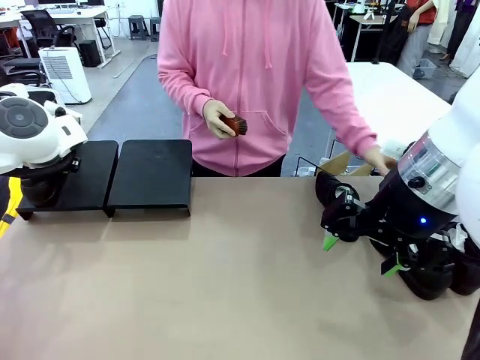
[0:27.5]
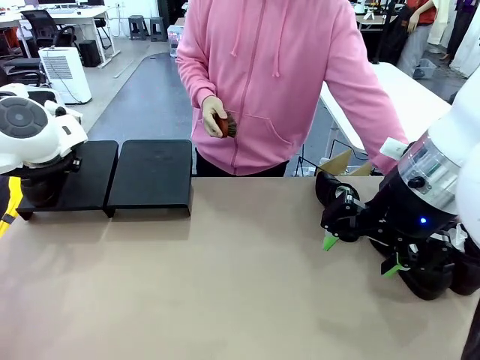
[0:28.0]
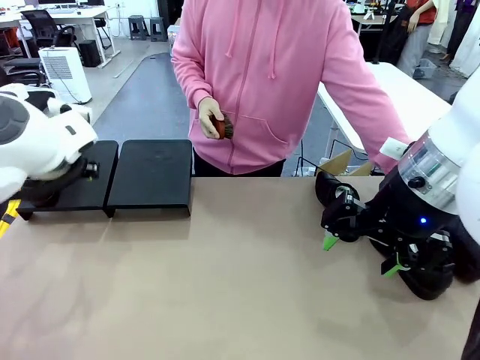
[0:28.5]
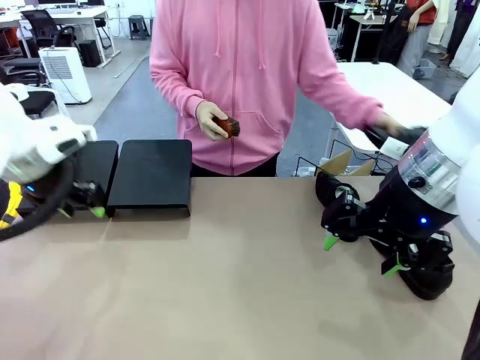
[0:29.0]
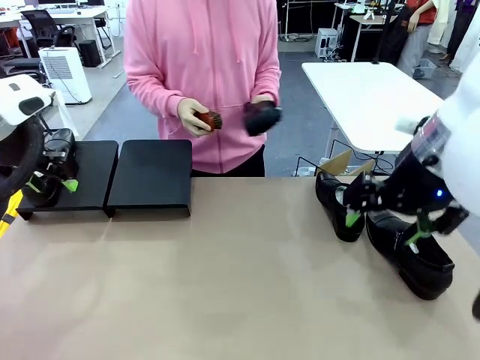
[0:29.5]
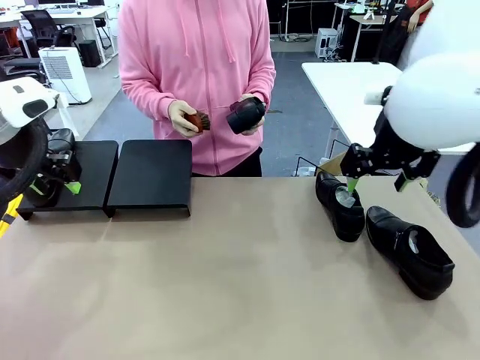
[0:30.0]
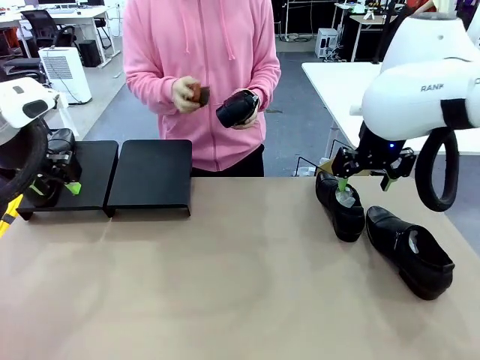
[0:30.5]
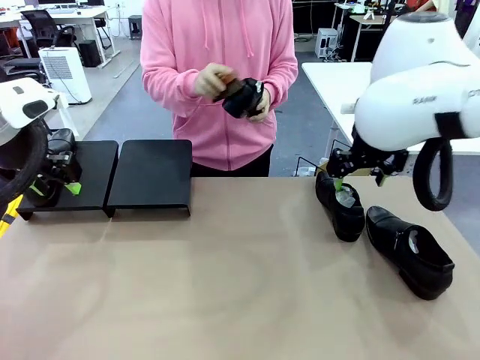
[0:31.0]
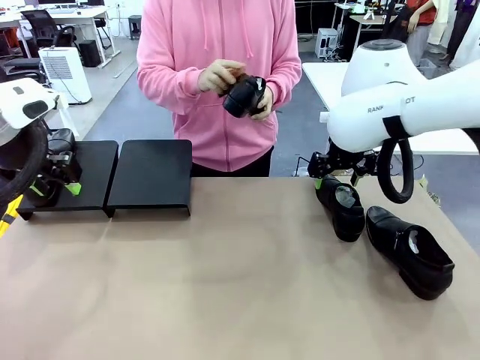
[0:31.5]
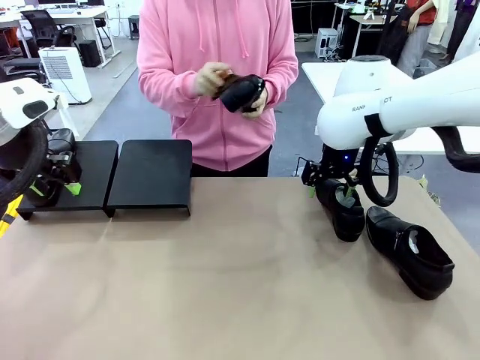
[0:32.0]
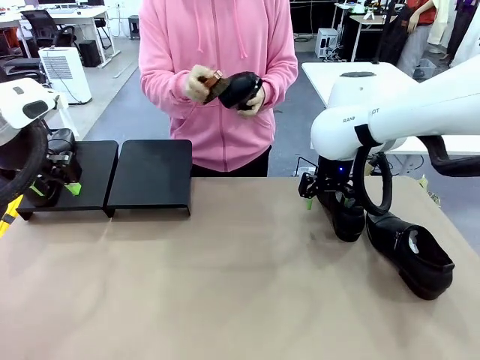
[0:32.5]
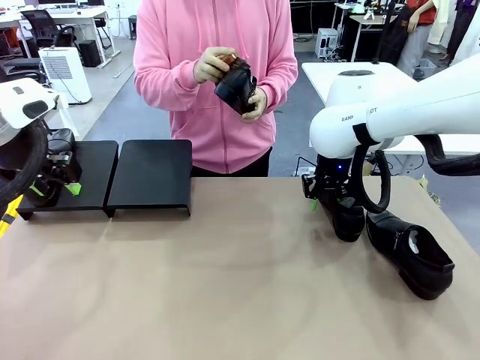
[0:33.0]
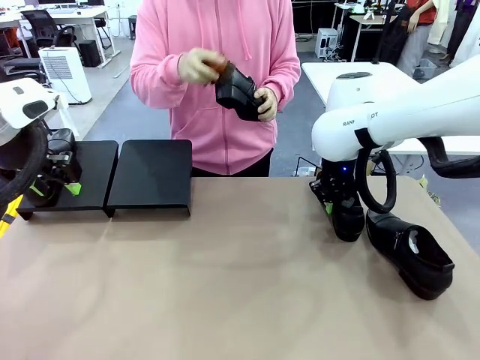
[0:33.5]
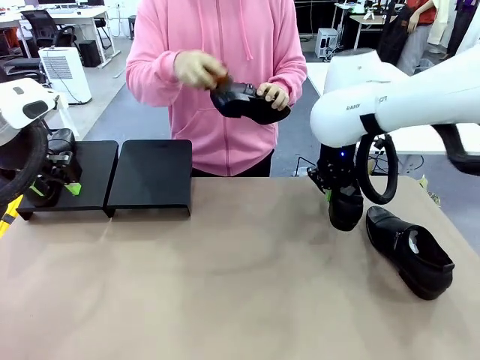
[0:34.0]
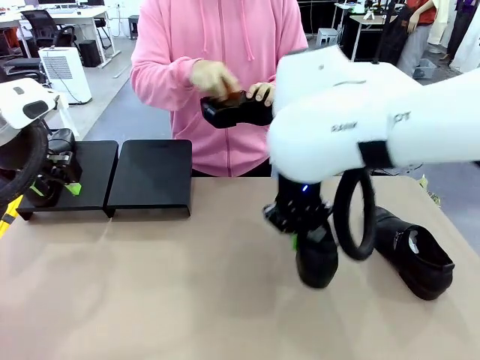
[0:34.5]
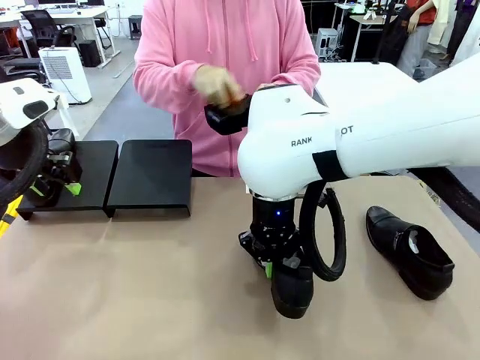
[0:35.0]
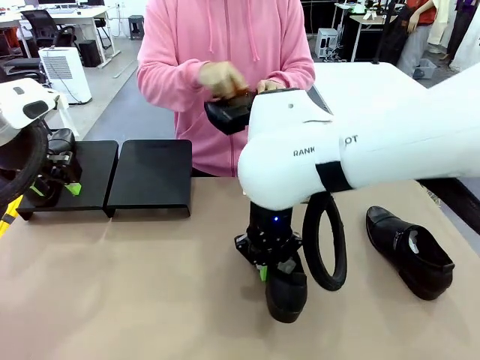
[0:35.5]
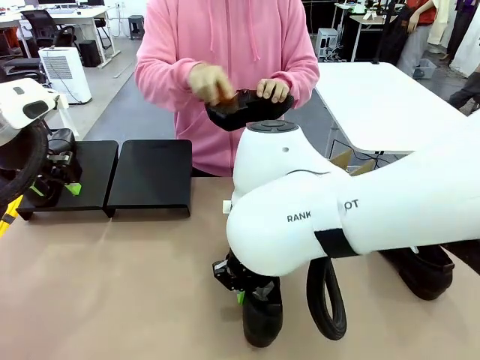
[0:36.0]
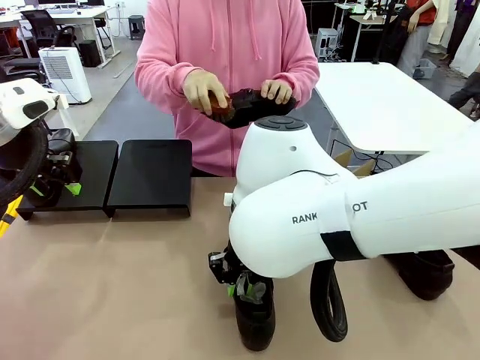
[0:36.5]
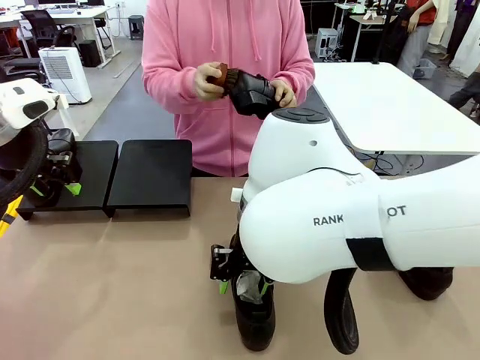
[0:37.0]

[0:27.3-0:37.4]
Task: Organize the shoes by placing them on the stand.
Robot: Pick up one Shoe and place it in the middle of the table.
Person: Pick one Shoe on Robot's table.

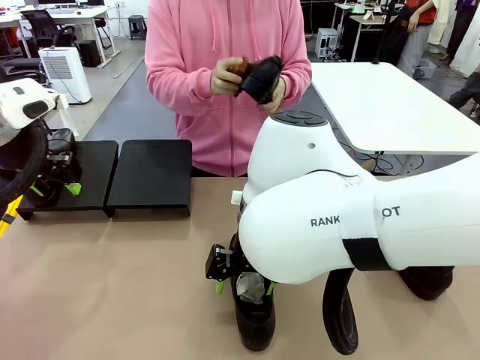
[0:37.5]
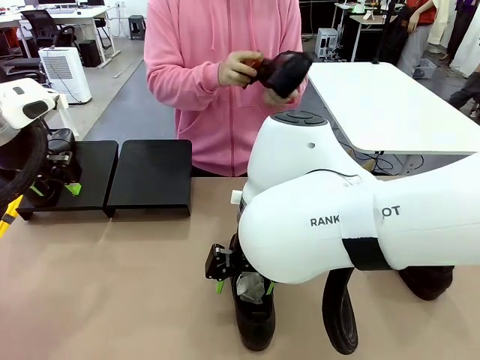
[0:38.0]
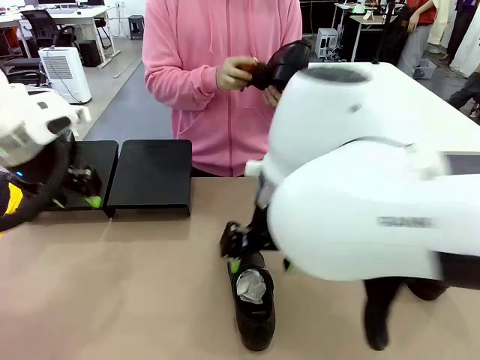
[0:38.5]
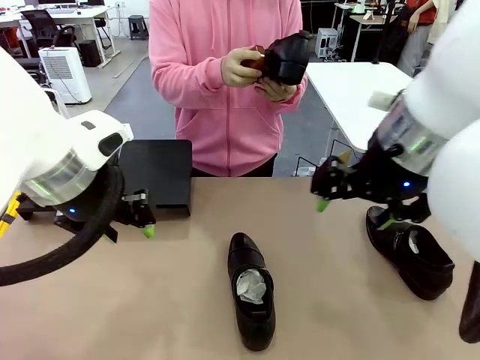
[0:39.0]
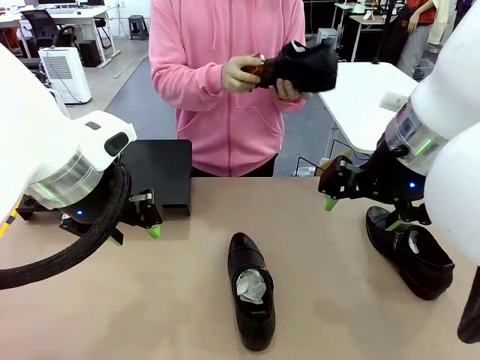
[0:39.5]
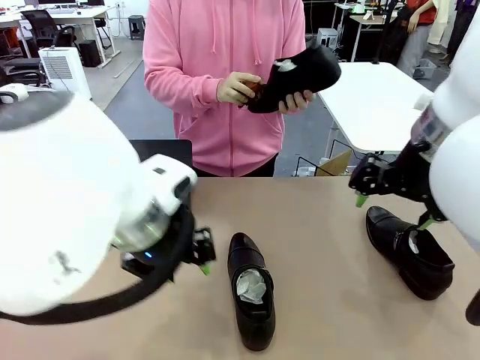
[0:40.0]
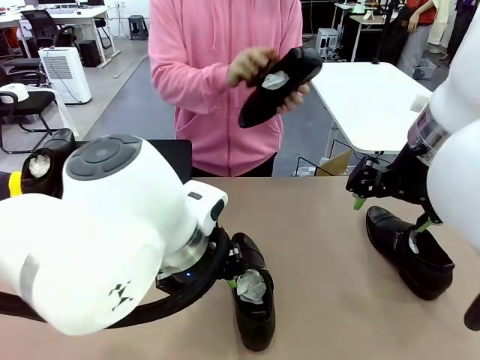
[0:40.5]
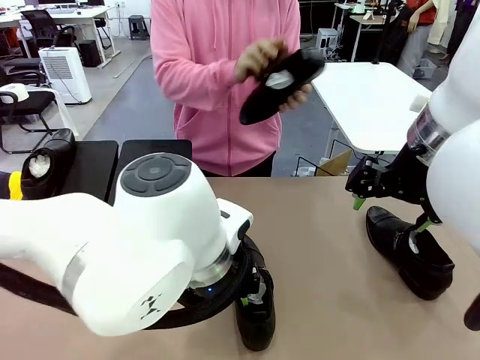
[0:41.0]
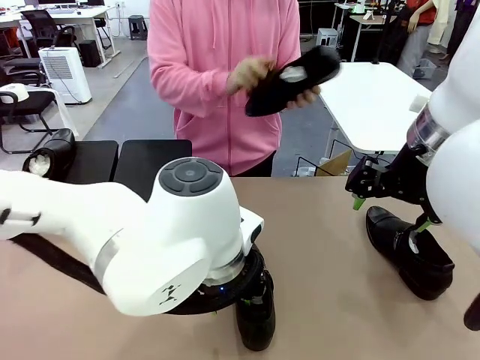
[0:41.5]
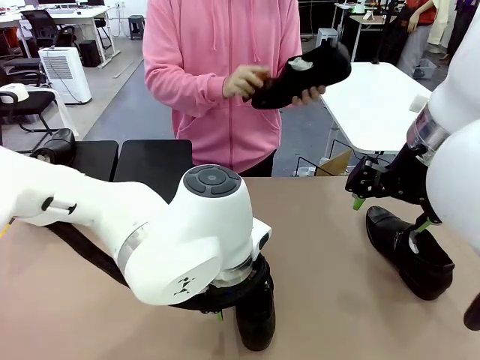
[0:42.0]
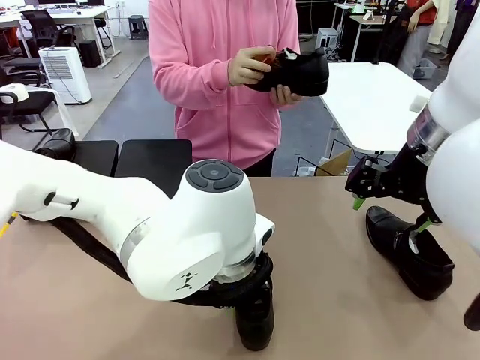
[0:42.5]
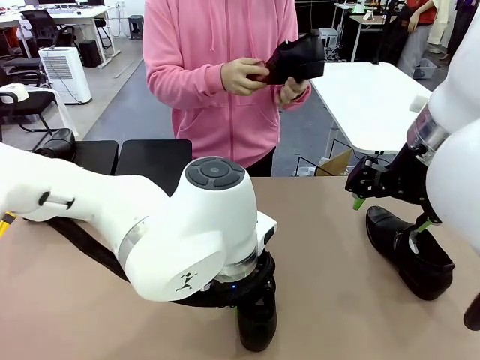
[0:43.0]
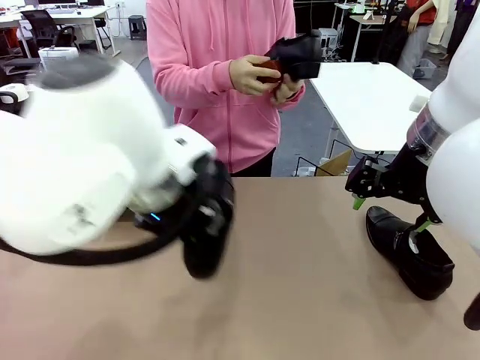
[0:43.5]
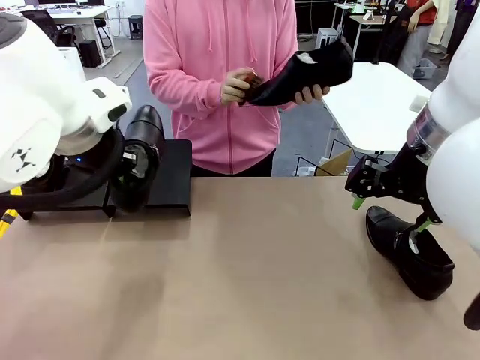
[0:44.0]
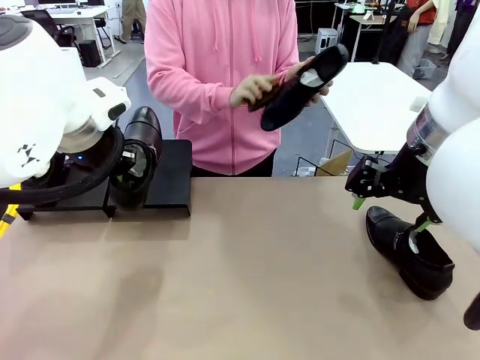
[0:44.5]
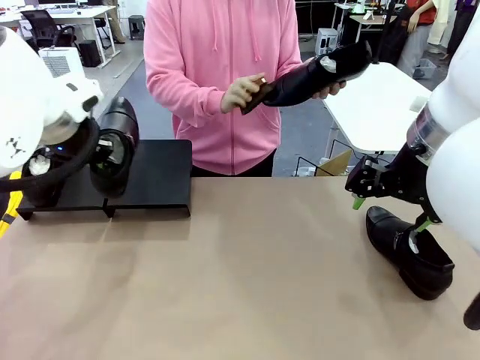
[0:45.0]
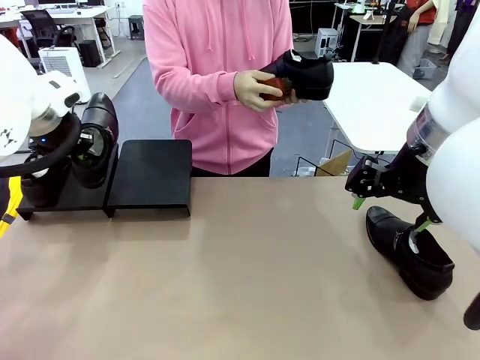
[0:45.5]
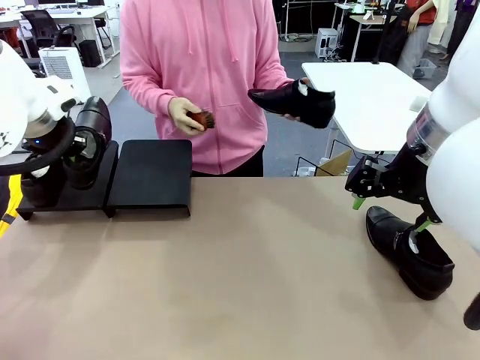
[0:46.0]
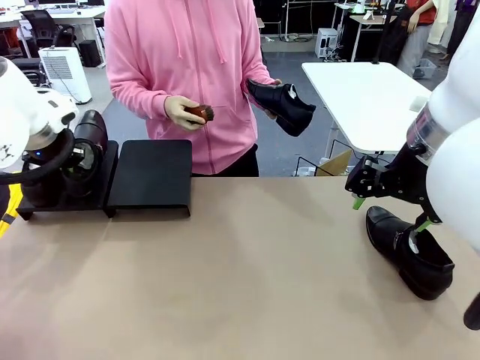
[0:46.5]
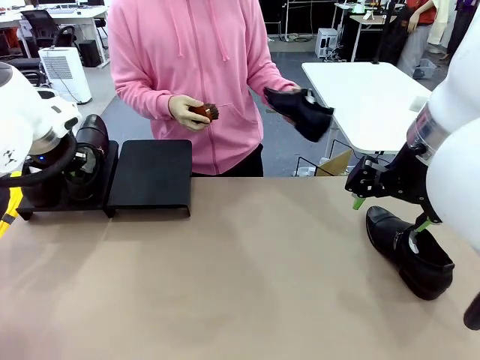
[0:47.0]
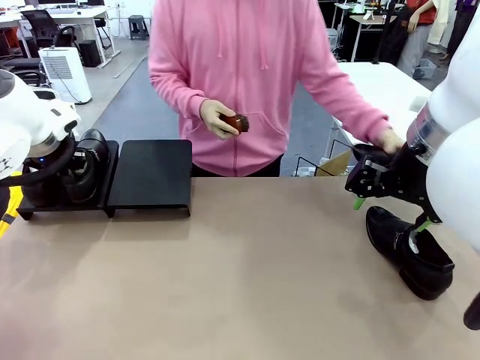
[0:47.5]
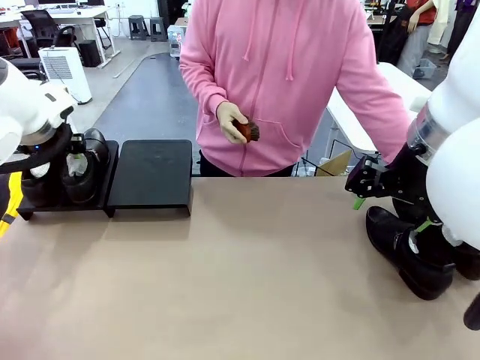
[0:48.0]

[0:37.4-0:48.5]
Robot: Place the Shoe from the middle of the table onto the Shoes Stand.
Person: Clean the Shoe with the Shoe Brush.

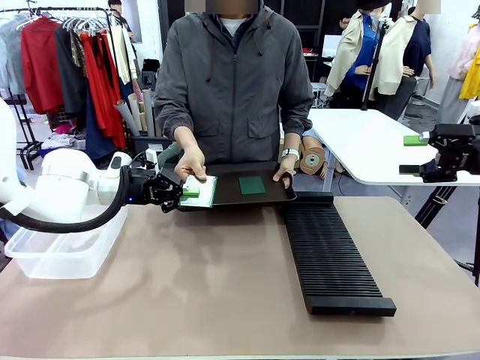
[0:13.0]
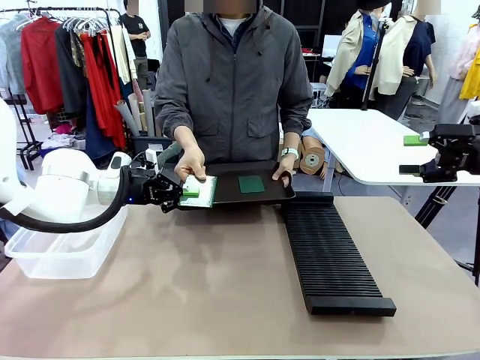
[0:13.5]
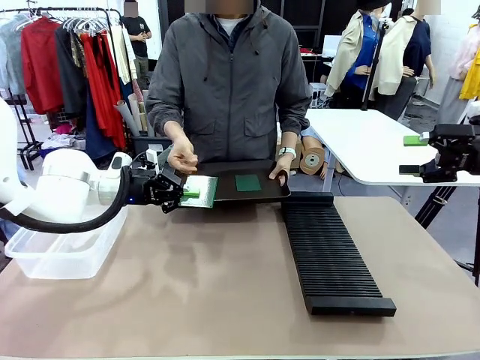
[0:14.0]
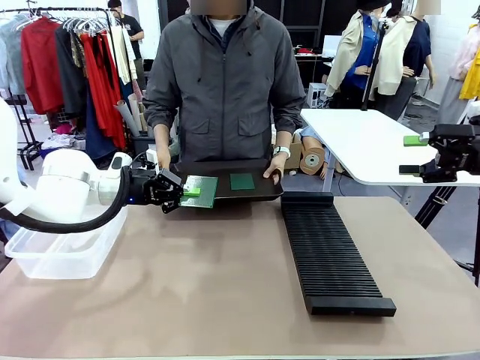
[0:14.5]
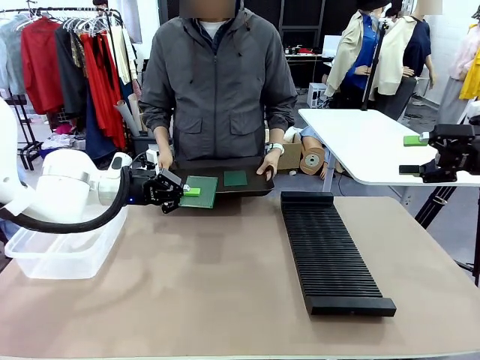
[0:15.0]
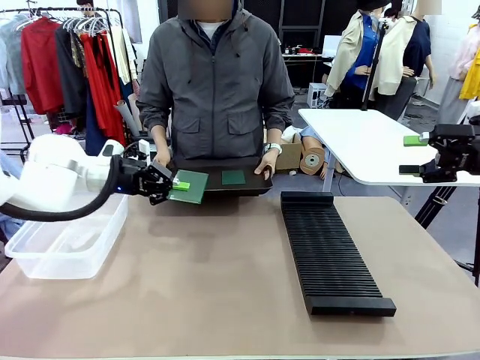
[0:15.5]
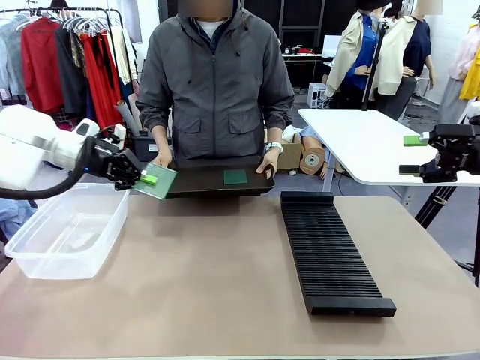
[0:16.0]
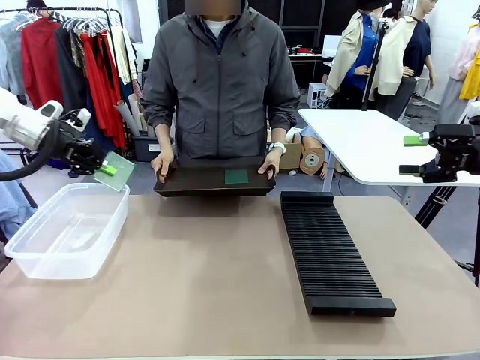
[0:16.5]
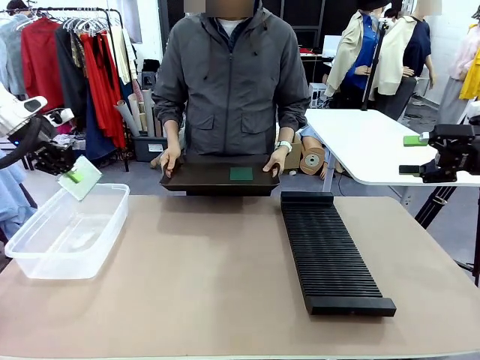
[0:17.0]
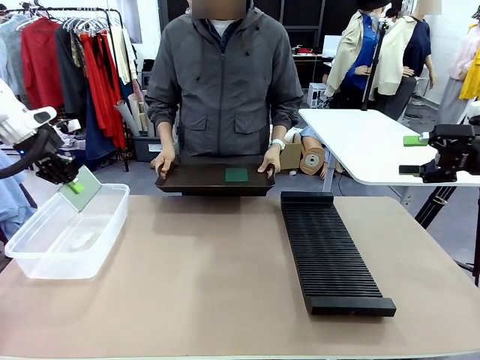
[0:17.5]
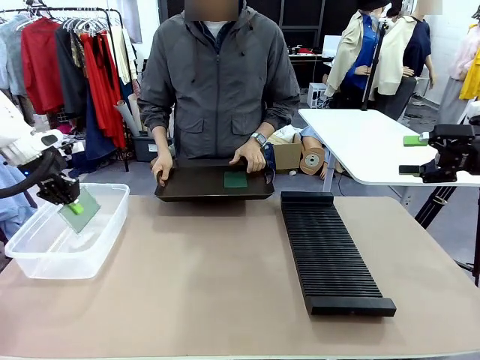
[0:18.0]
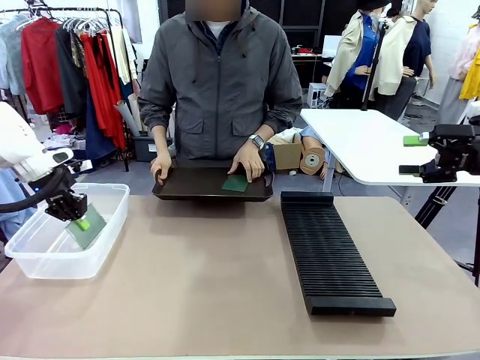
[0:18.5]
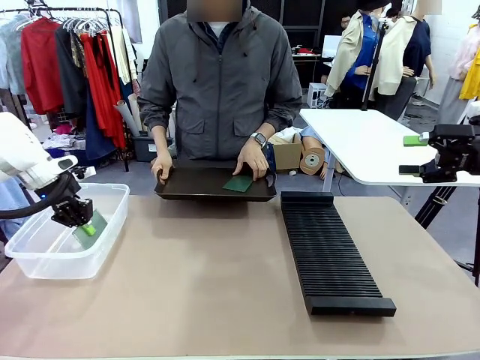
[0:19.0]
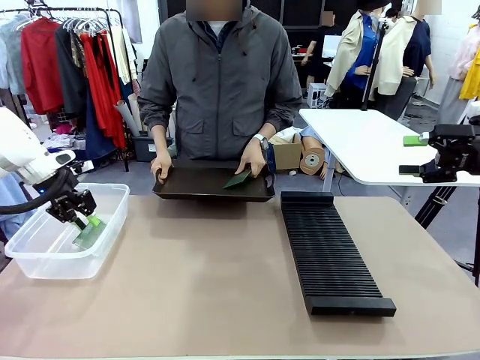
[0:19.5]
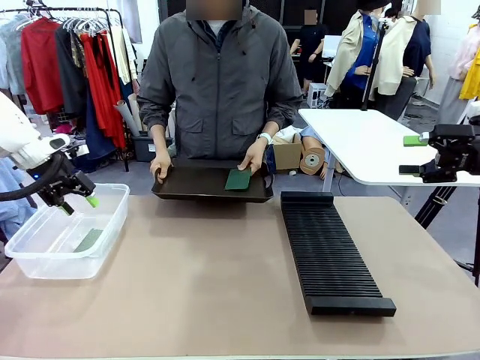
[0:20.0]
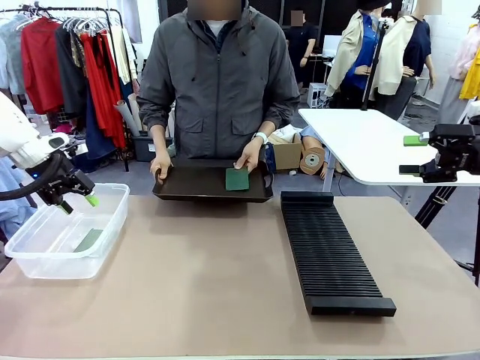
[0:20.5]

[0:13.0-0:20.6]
Task: Sort PCBs into racks and boxes based on the side picked up.
Robot: If the short side of the Blank PCB is picked up, insert it into the PCB Rack ; if the long side is picked up, place it in the Organizing box.
Person: Pick one PCB from the tray and present it to the robot.
